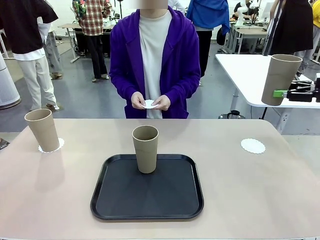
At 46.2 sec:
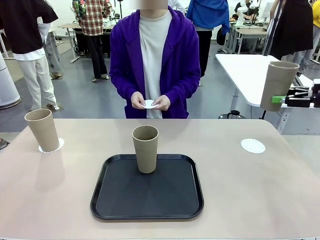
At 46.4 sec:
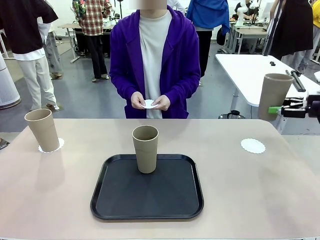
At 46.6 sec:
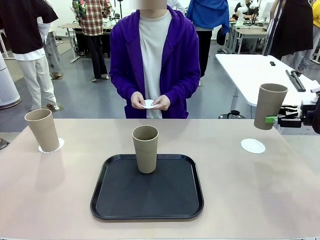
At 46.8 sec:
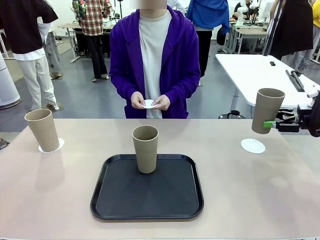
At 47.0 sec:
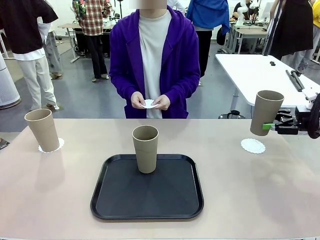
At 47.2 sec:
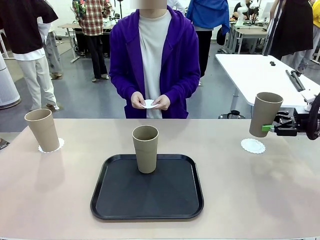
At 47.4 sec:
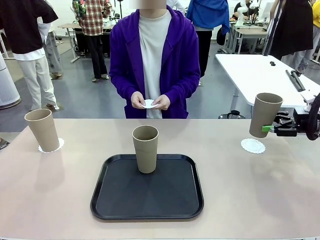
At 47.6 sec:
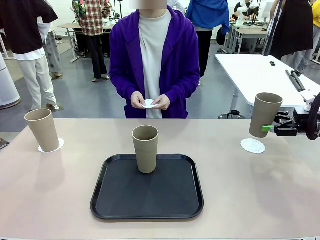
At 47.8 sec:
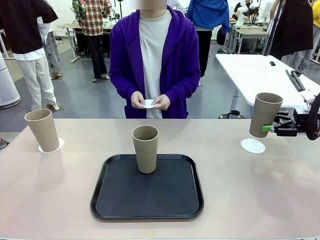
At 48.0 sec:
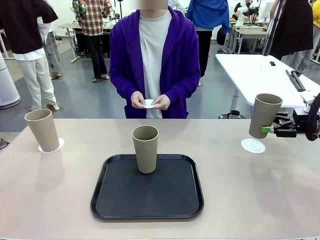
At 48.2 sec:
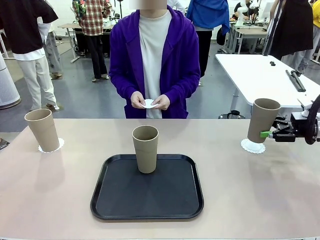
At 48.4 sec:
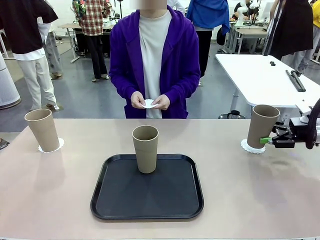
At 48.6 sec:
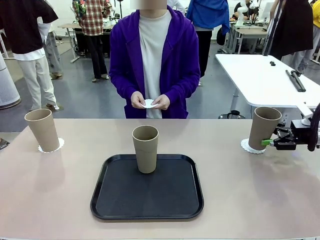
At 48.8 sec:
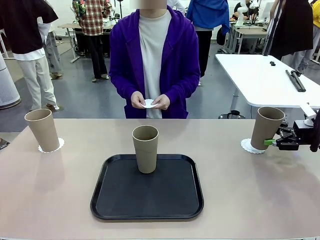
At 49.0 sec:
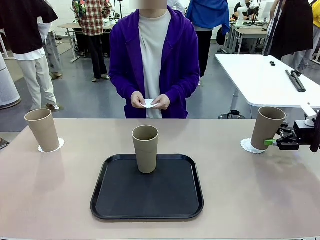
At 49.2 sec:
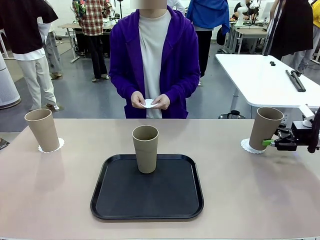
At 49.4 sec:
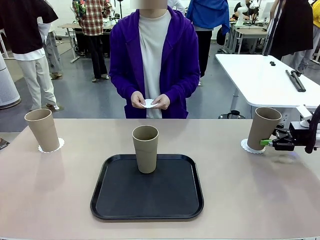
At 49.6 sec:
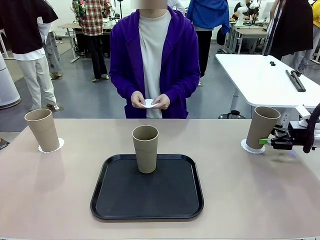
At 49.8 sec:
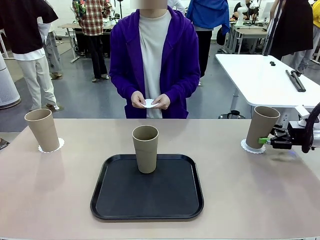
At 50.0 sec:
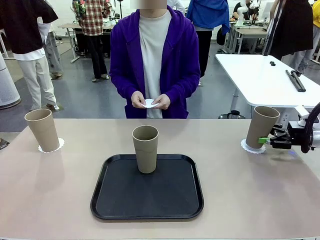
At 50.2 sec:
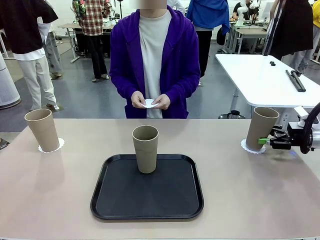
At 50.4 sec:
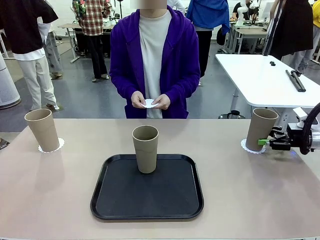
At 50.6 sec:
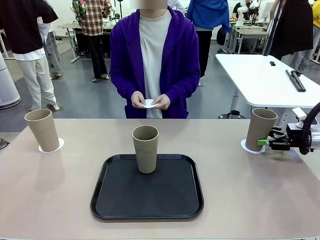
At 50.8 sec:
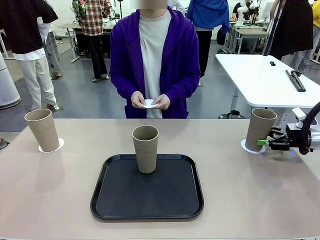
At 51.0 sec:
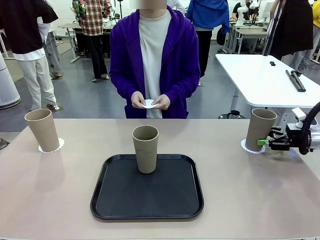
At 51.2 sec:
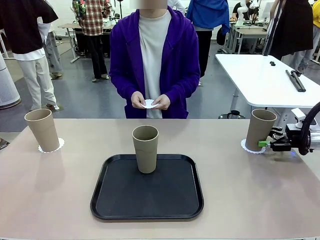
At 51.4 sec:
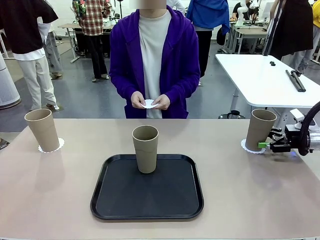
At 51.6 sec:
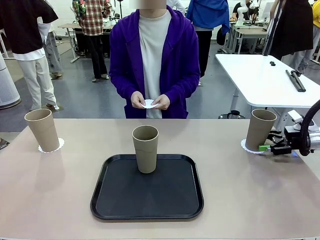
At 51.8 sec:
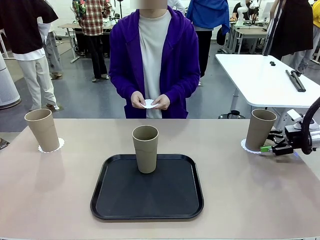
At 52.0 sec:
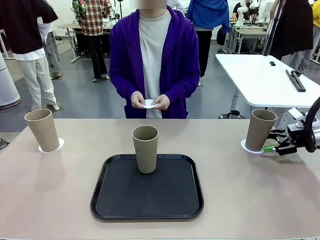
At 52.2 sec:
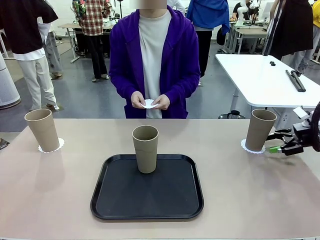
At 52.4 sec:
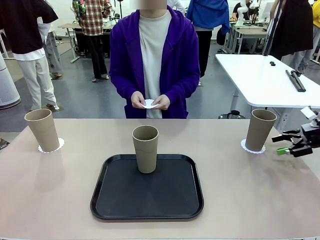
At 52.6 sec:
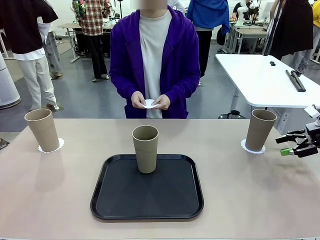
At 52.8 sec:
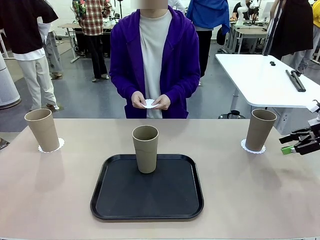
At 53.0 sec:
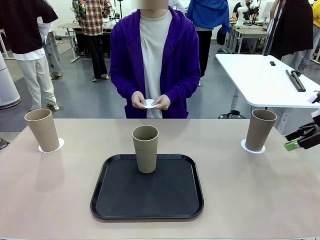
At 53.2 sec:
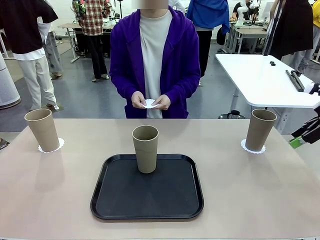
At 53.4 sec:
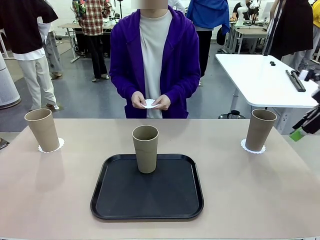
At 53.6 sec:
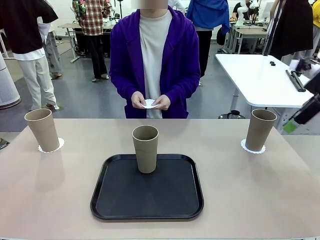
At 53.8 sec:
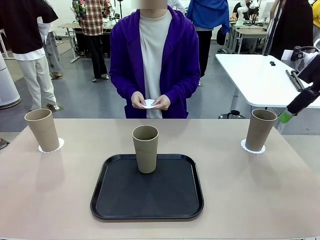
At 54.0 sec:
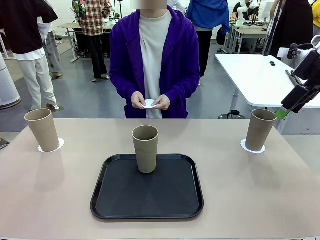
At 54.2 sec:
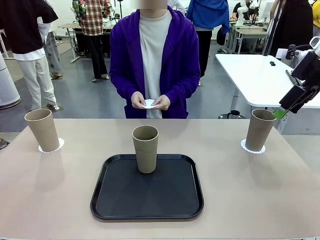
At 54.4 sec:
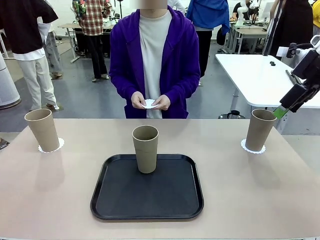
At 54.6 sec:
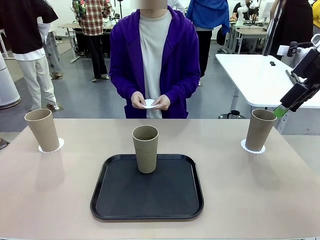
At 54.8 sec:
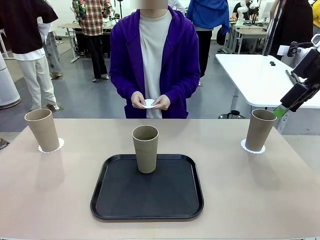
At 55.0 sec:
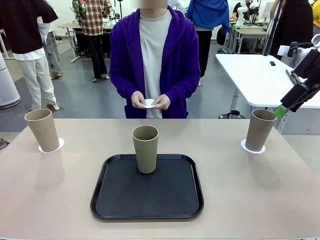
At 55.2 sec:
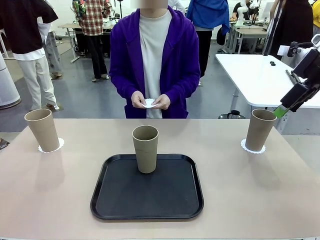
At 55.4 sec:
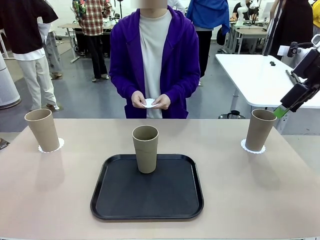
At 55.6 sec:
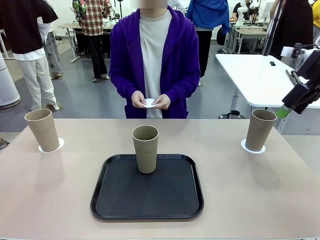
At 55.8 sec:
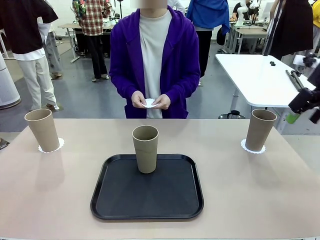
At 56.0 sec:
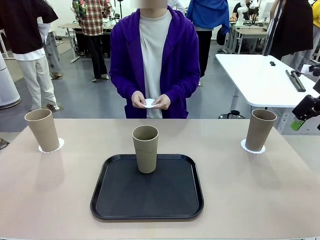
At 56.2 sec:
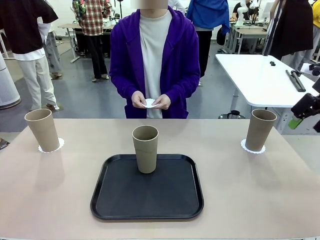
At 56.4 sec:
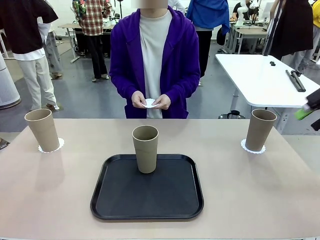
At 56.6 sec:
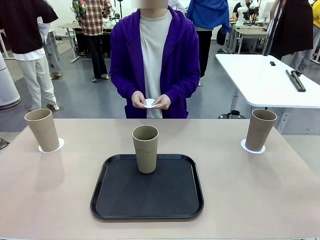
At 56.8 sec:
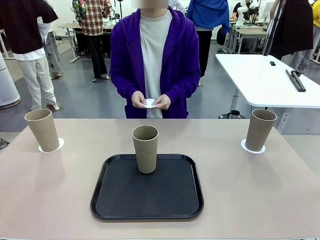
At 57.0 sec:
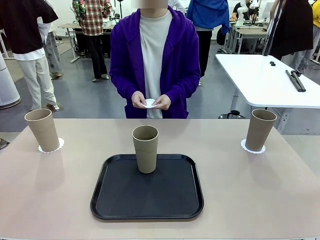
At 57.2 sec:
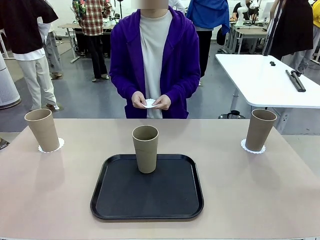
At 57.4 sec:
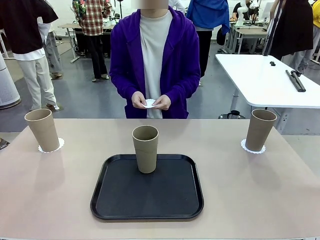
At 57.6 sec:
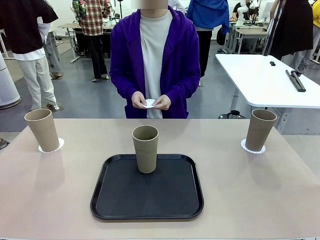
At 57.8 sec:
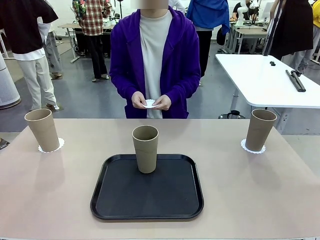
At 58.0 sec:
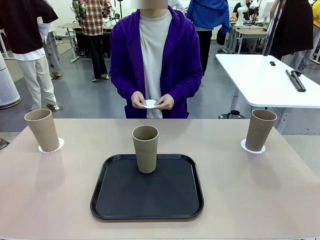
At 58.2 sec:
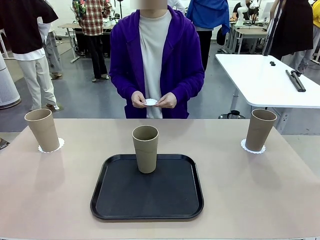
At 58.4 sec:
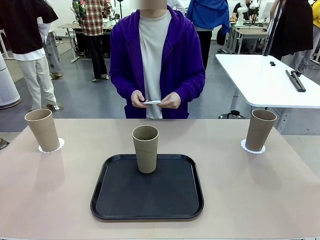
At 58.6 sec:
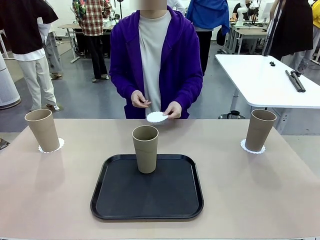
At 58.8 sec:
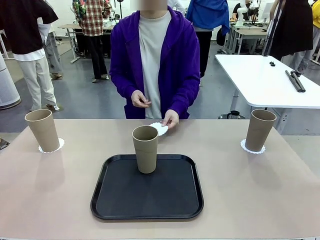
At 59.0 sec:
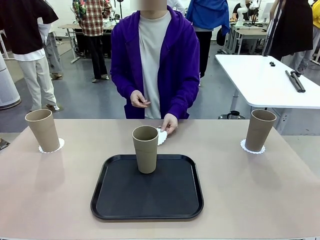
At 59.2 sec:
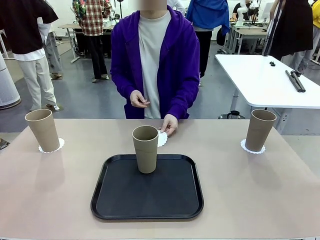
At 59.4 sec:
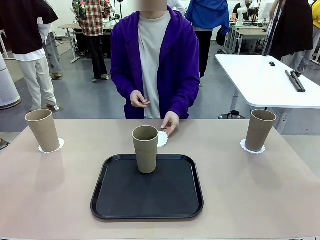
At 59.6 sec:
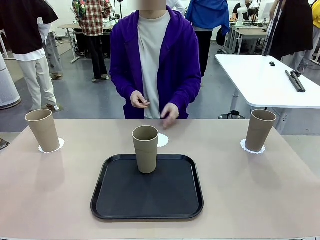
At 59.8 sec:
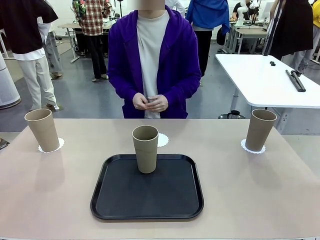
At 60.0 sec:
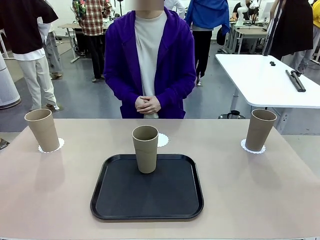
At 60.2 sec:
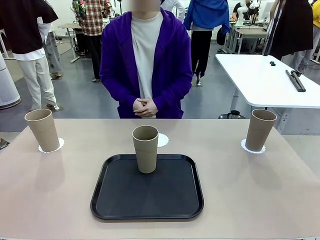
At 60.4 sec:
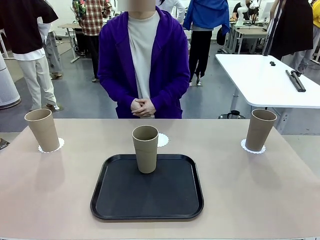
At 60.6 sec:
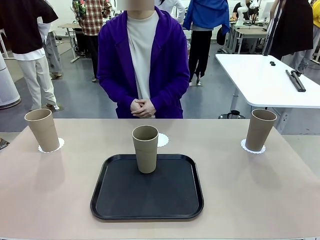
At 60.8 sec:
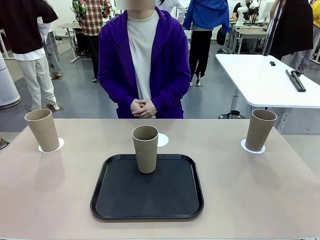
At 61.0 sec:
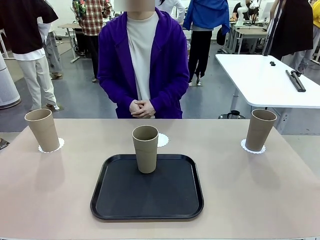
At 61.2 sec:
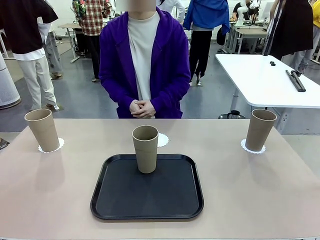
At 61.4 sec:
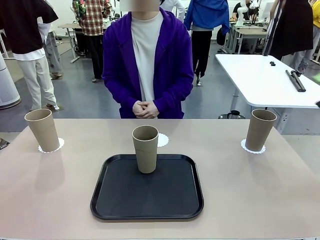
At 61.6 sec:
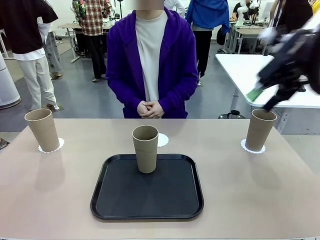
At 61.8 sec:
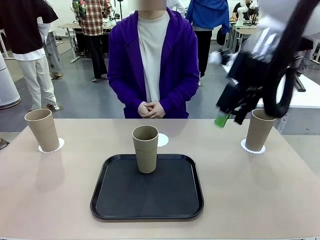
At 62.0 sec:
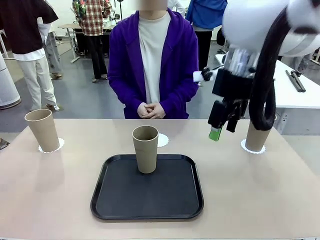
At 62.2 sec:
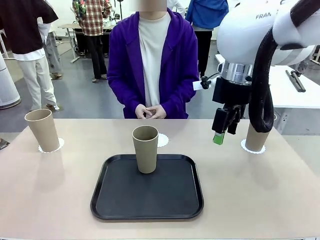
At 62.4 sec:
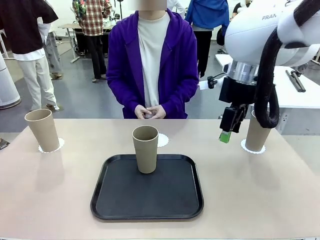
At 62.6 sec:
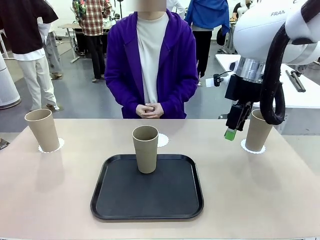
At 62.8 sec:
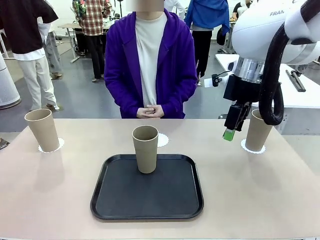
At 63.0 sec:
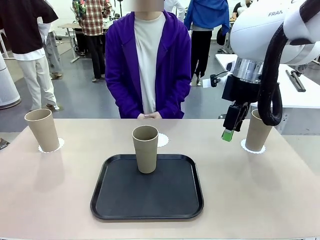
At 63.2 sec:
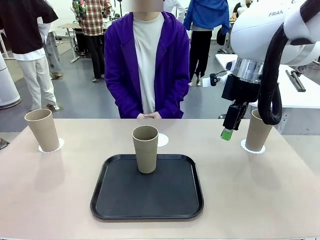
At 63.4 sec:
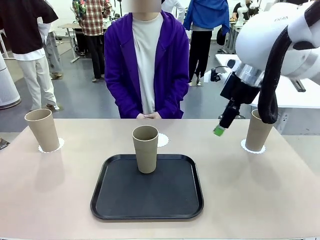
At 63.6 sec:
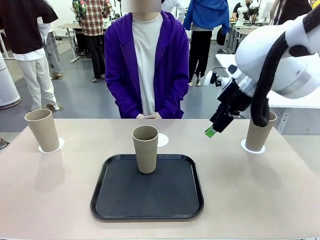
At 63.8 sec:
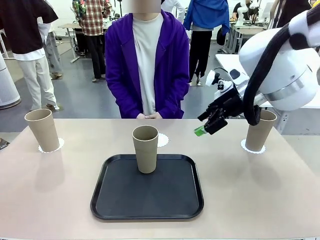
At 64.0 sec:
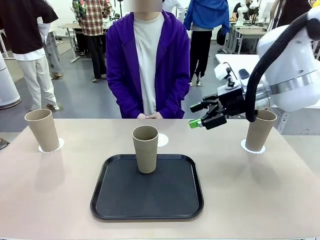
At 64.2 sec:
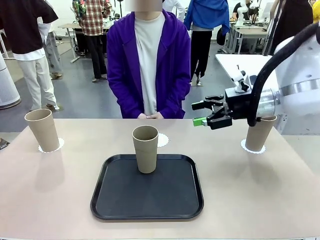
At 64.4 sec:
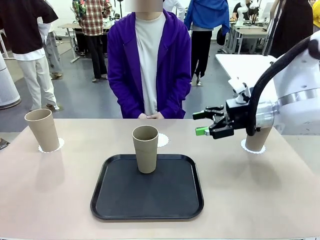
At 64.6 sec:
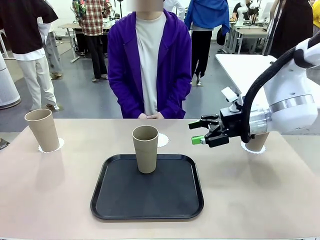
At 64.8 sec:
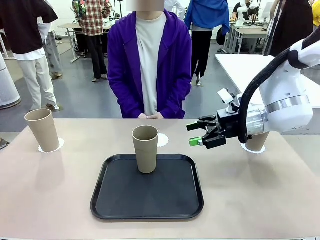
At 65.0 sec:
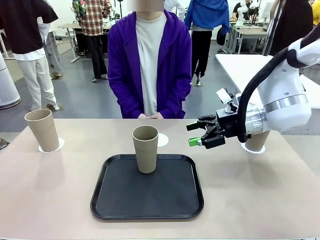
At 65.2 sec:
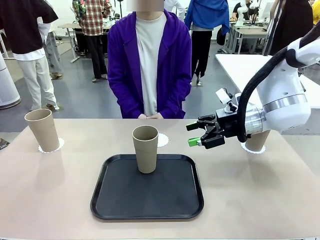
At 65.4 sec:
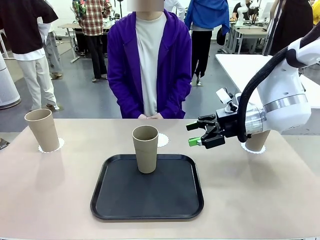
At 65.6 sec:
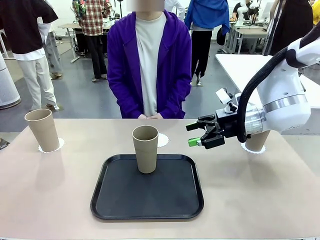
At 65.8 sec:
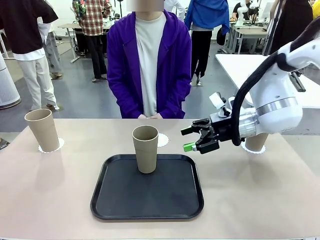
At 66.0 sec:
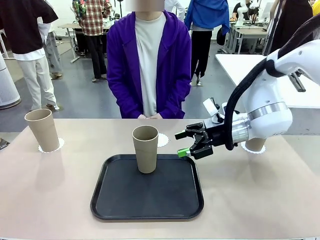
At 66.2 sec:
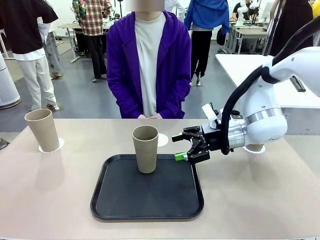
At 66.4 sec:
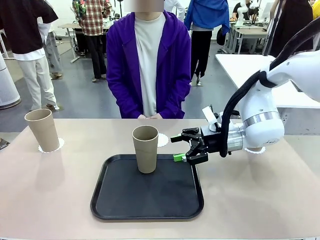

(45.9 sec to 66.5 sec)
Task: Place coasters on the table and set cups on them.
Robot: Take one Reusable plastic cup from the Flat Tray and place it on a coaster set by the human.
